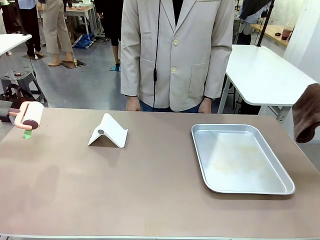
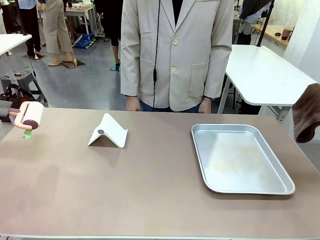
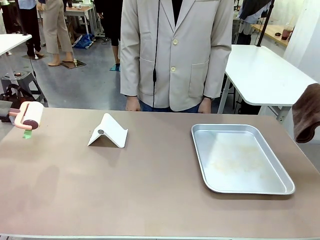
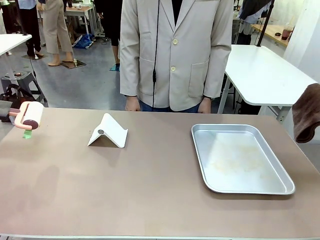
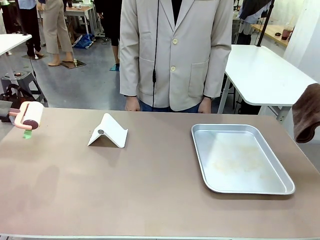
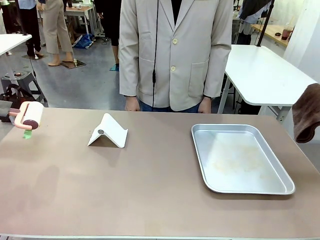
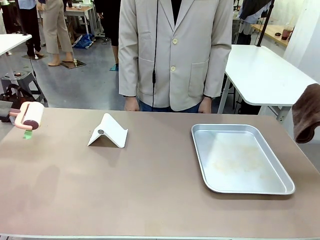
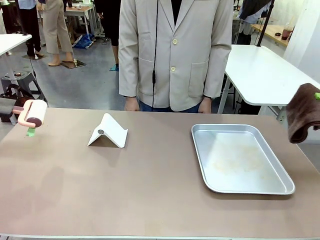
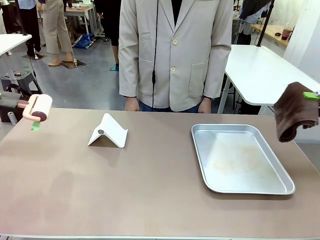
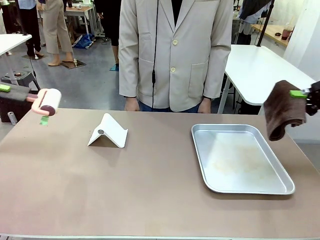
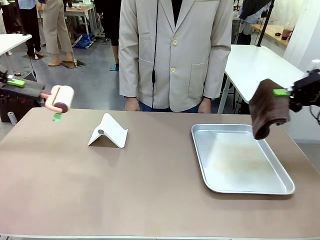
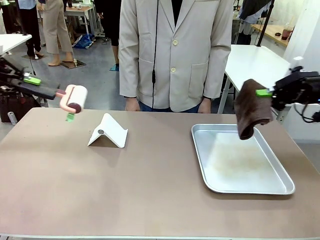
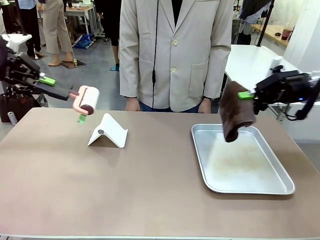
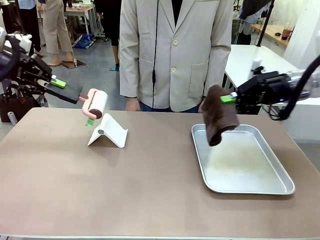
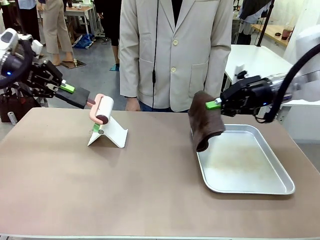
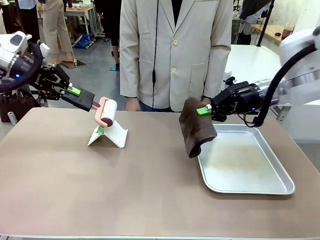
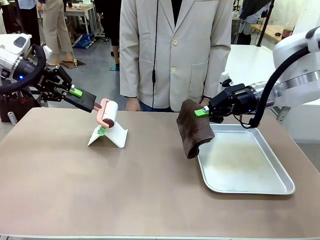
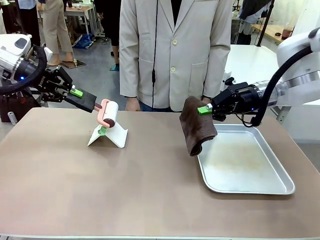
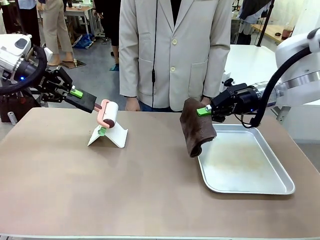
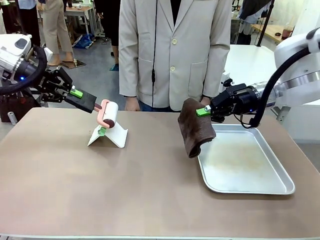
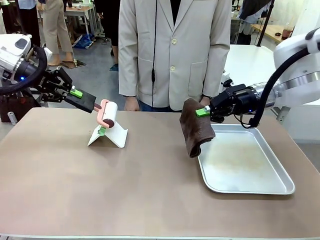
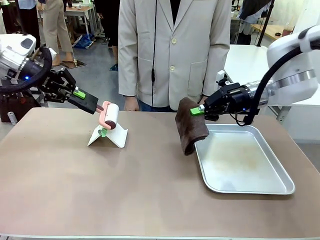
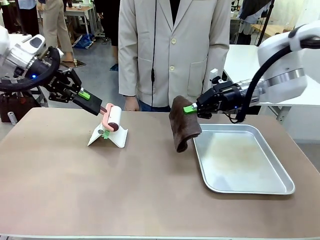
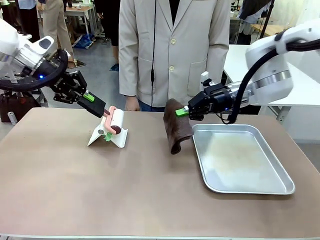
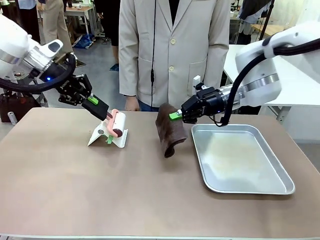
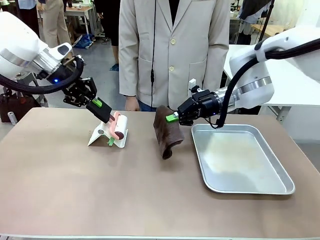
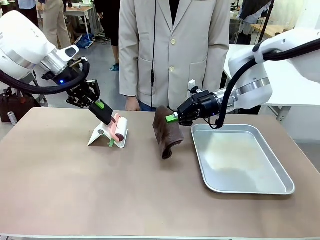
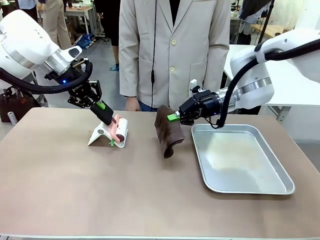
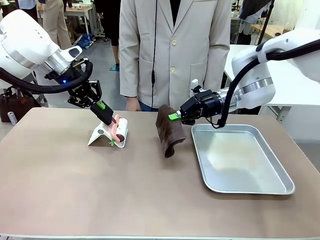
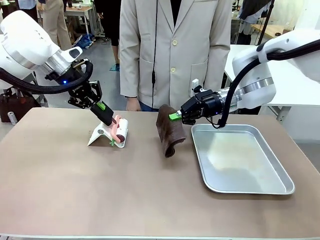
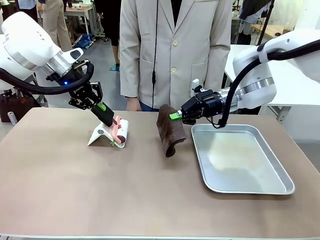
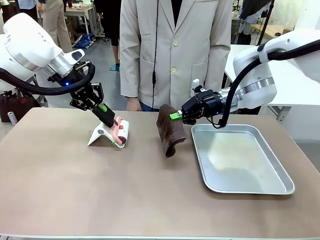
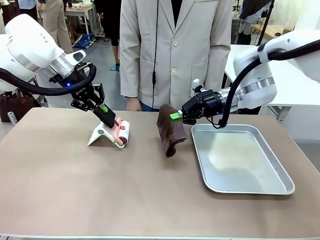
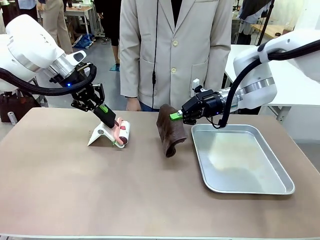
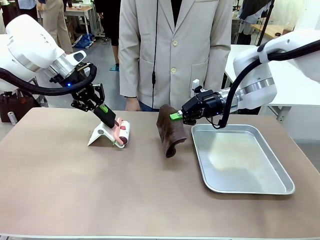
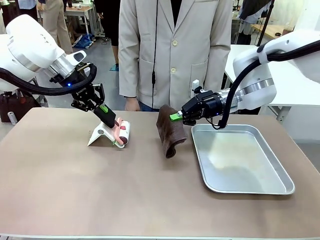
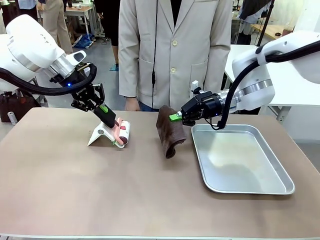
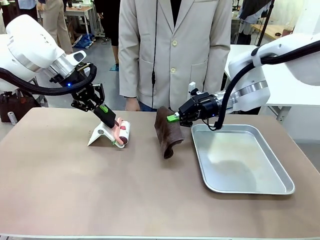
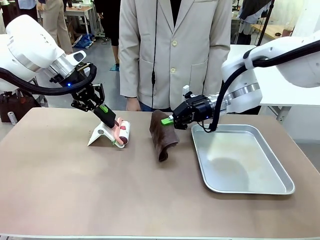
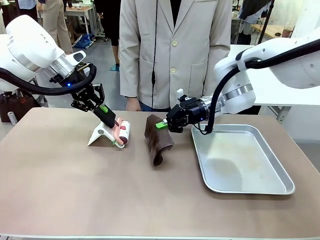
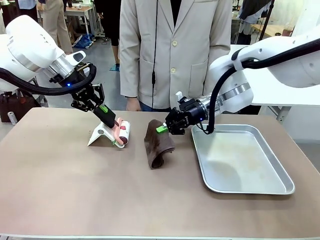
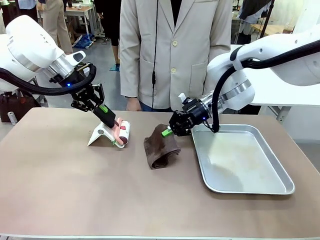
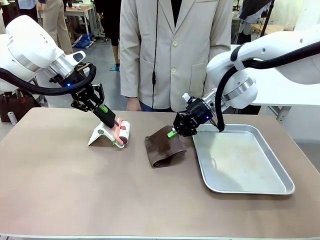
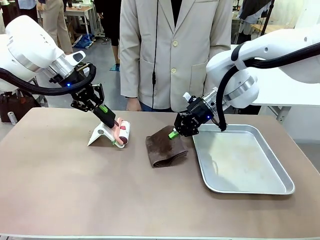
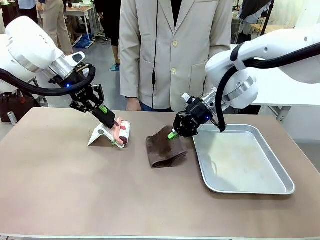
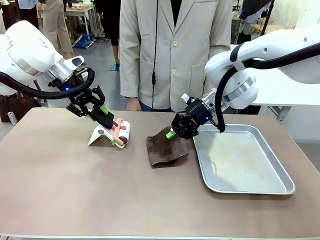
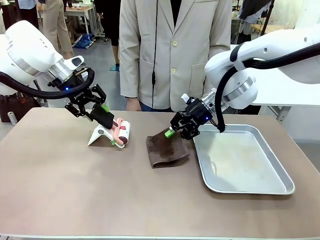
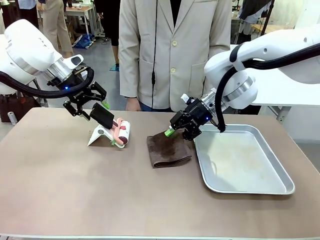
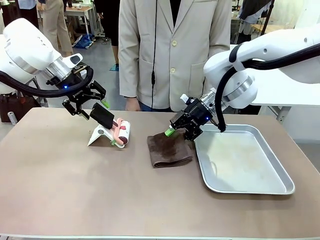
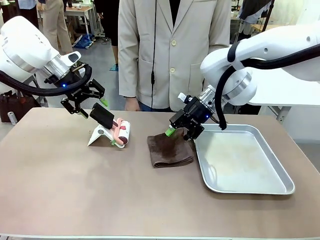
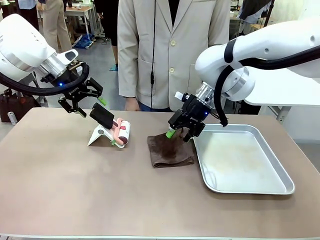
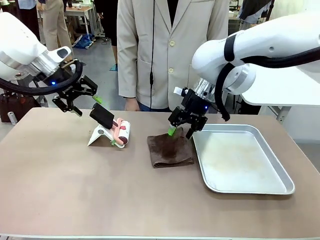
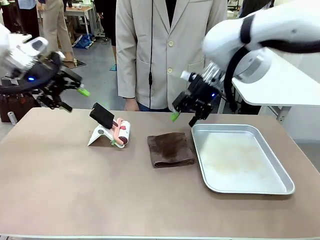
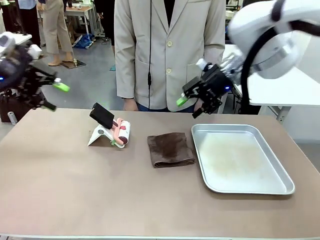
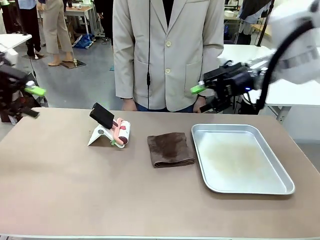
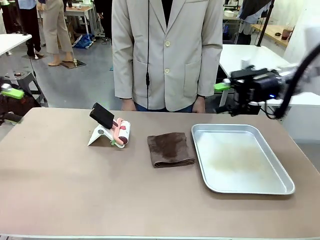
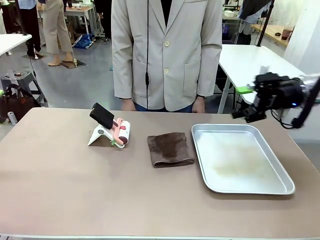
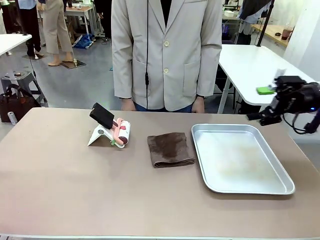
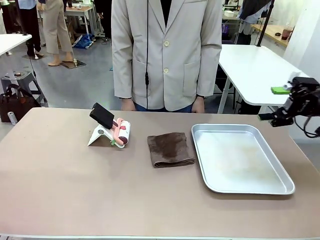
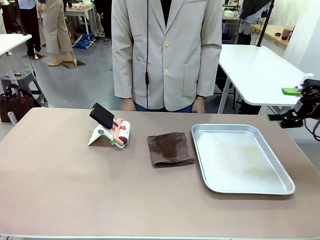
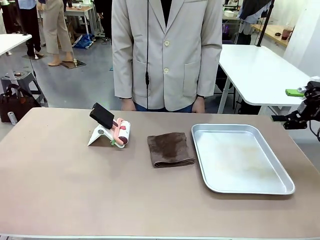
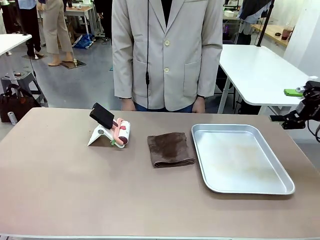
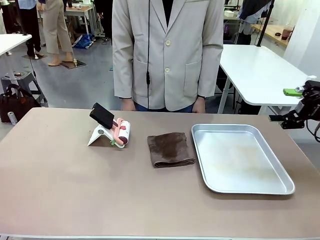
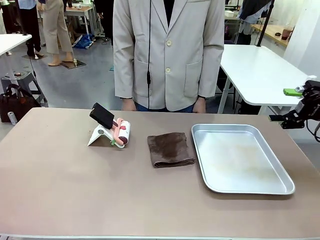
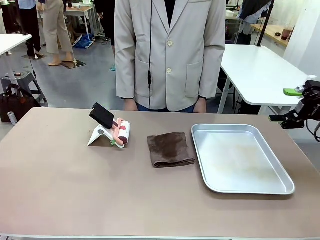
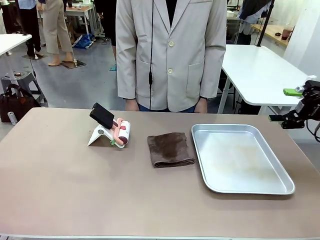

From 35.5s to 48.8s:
Task: Clean the surface of the table.
Robot: Return the Lint Roller and towel to their original positions.
